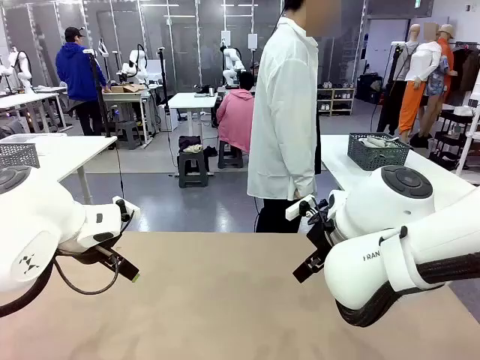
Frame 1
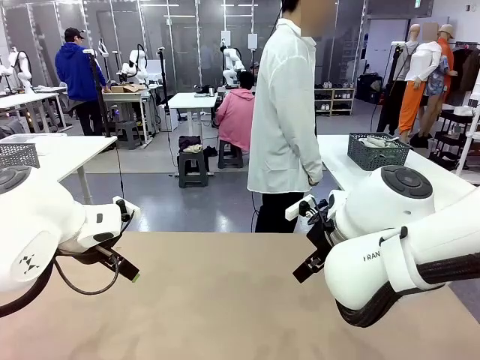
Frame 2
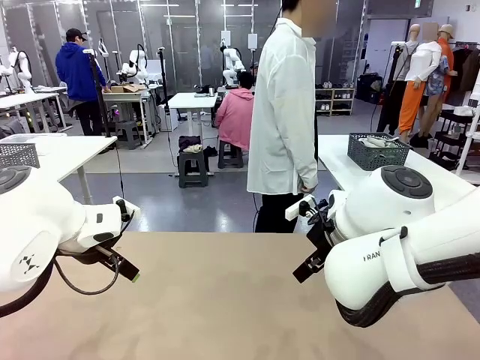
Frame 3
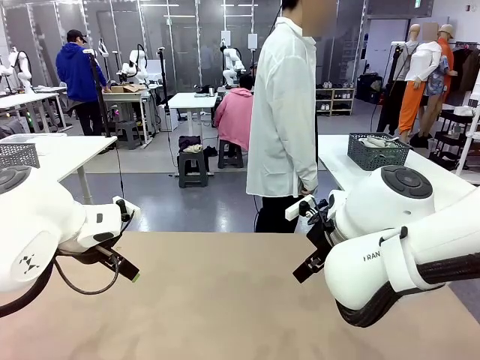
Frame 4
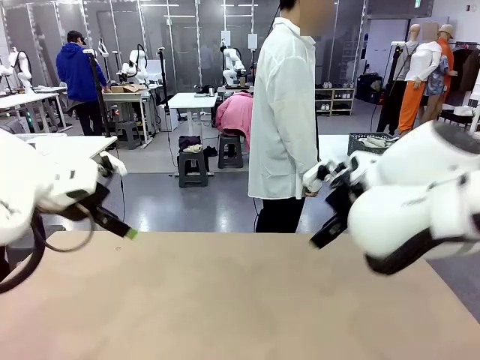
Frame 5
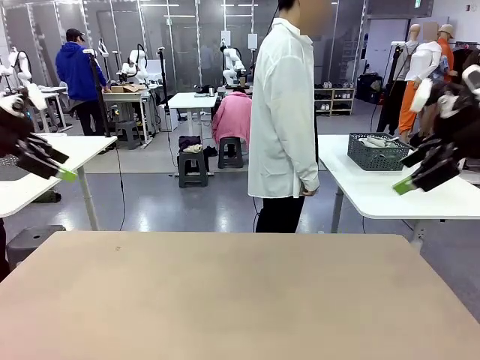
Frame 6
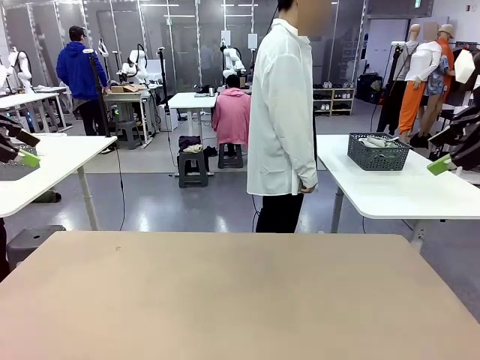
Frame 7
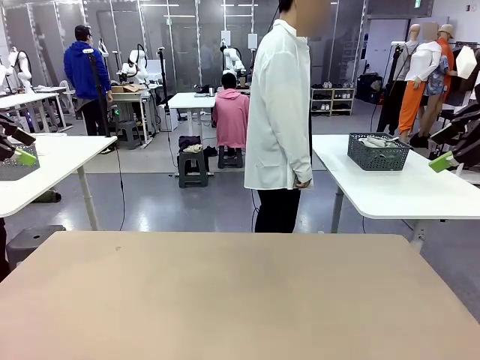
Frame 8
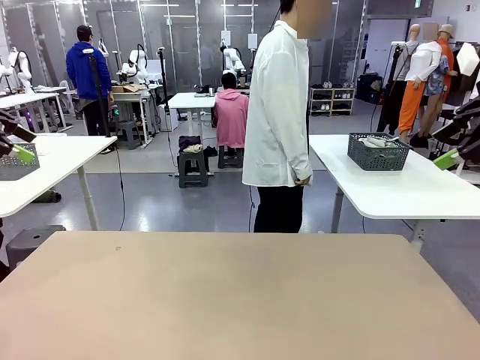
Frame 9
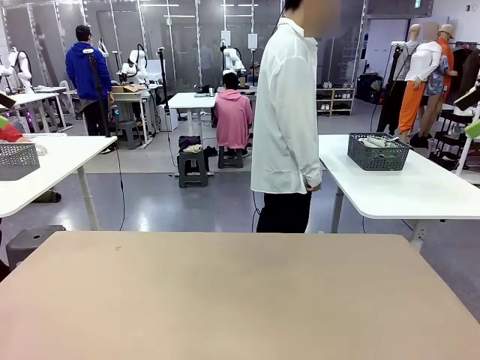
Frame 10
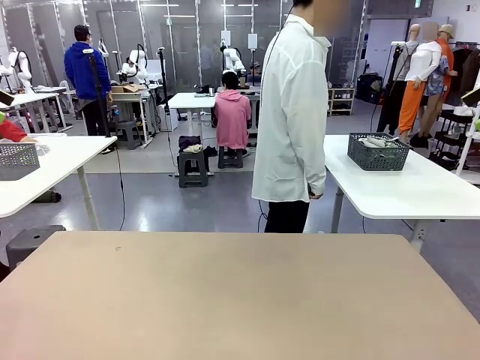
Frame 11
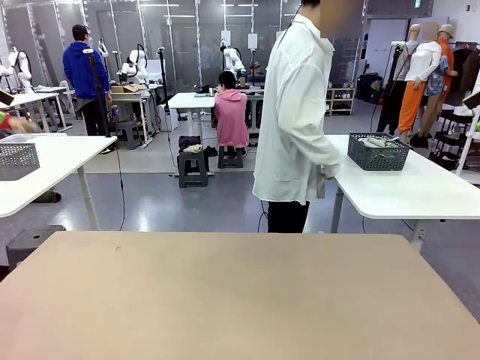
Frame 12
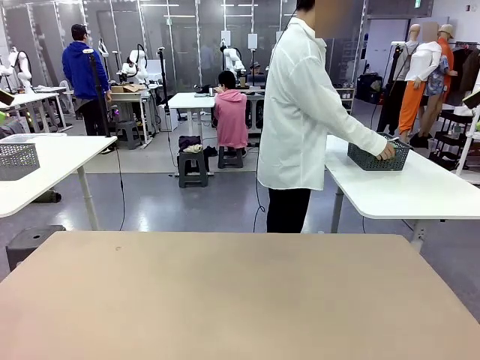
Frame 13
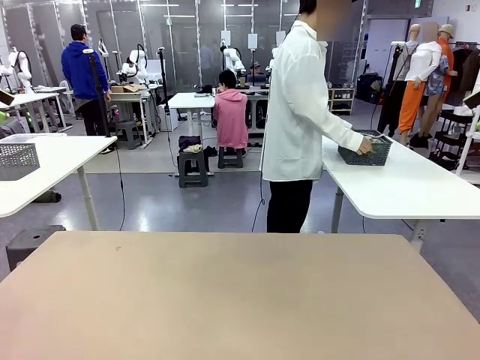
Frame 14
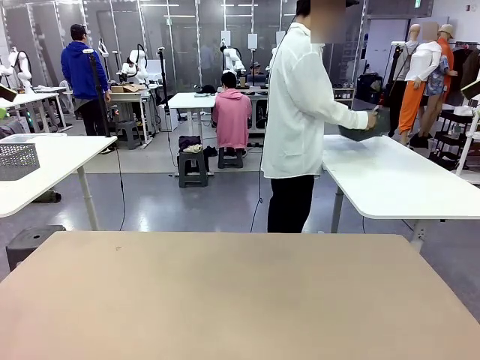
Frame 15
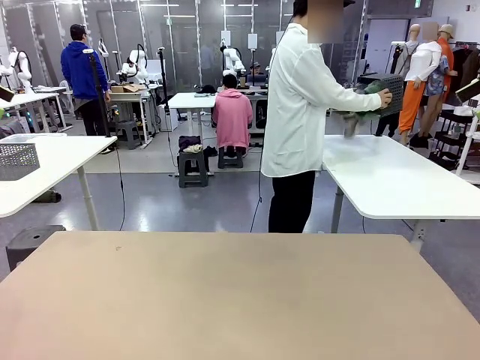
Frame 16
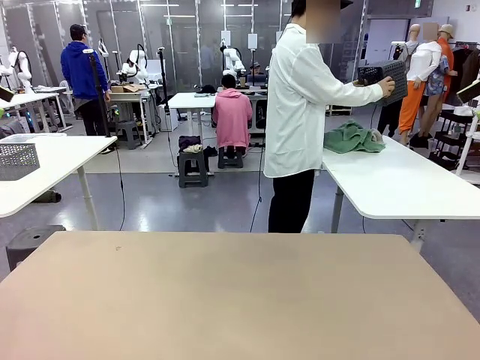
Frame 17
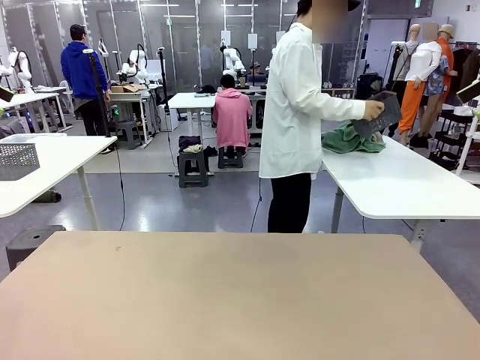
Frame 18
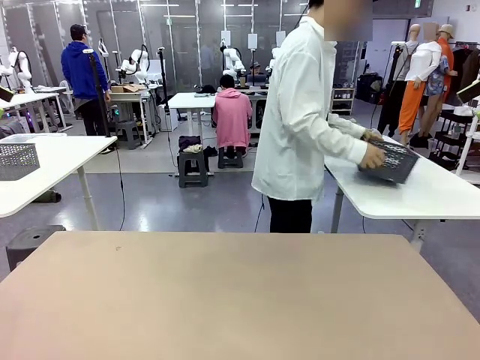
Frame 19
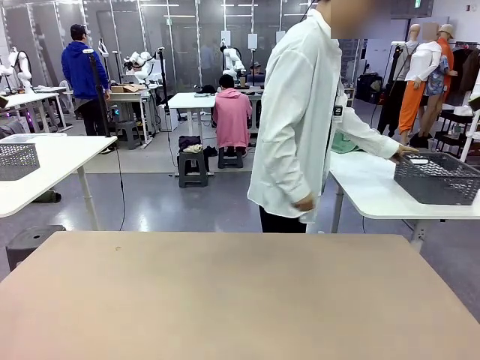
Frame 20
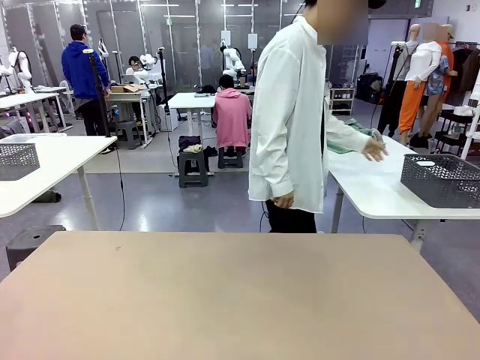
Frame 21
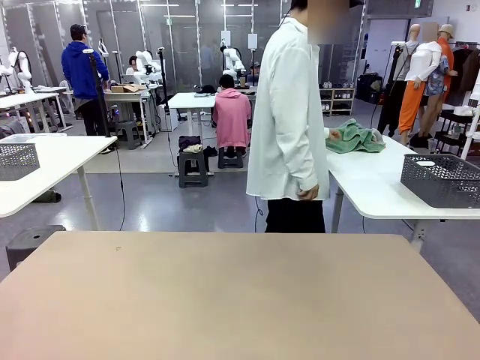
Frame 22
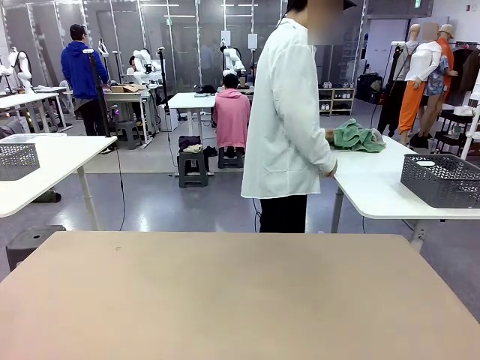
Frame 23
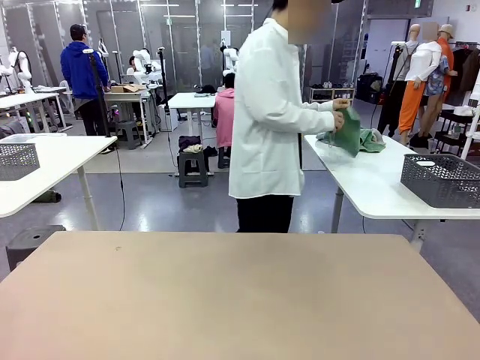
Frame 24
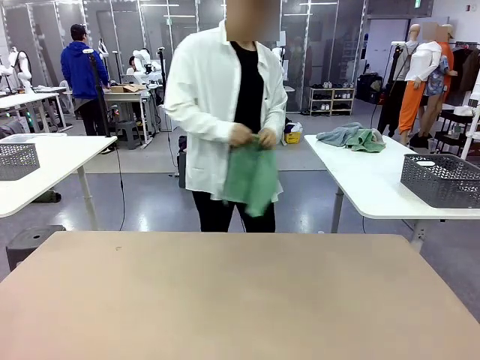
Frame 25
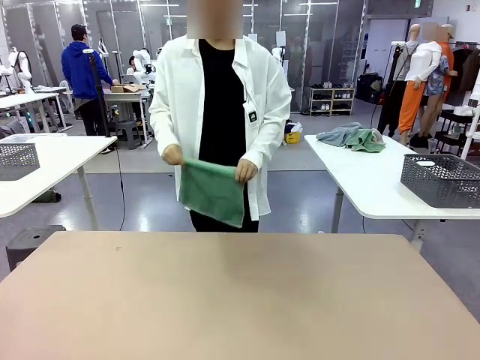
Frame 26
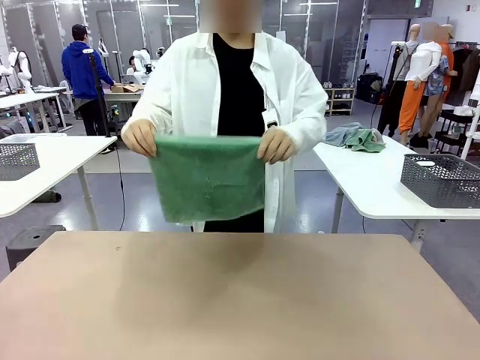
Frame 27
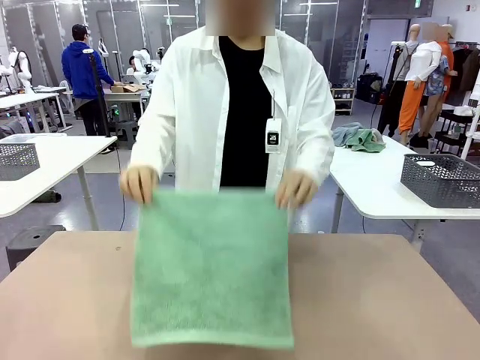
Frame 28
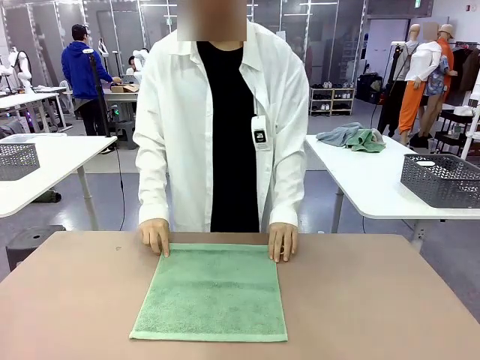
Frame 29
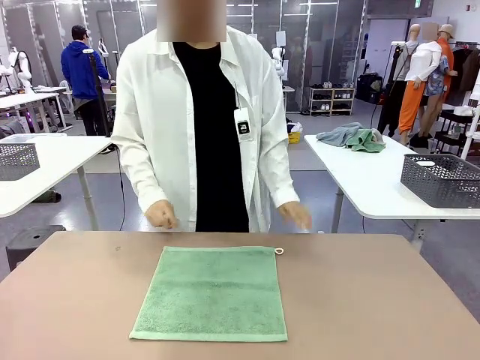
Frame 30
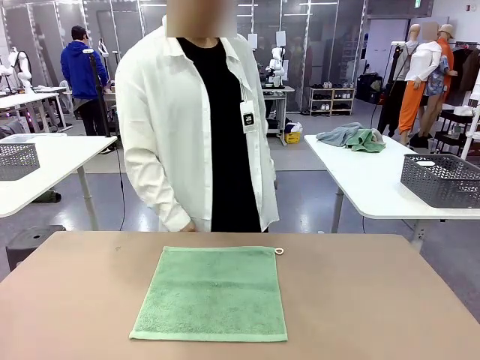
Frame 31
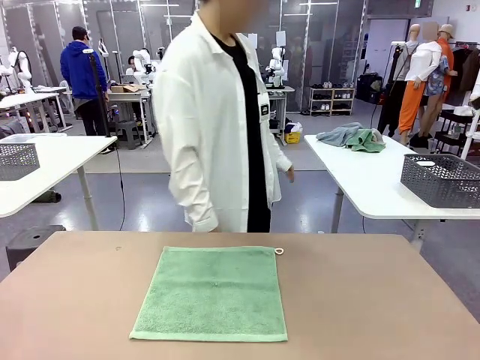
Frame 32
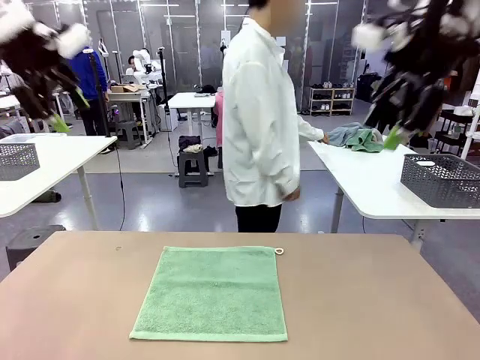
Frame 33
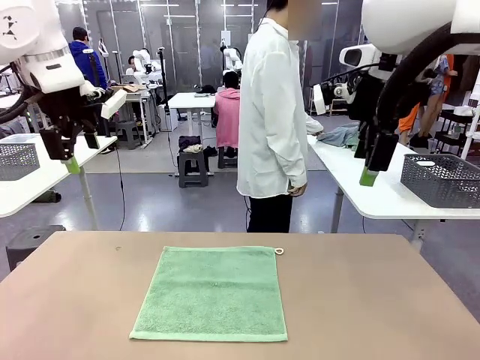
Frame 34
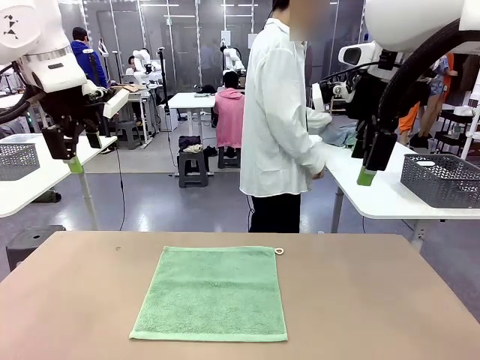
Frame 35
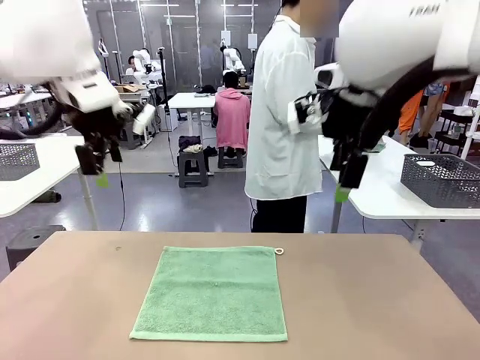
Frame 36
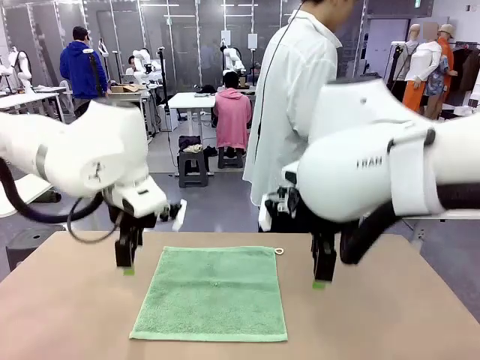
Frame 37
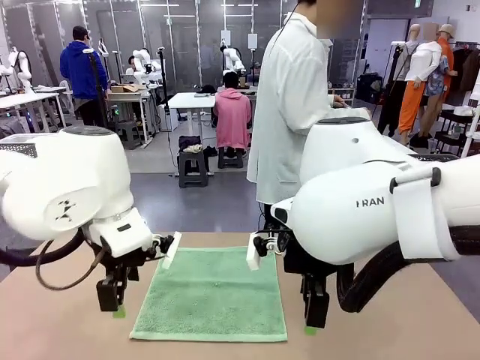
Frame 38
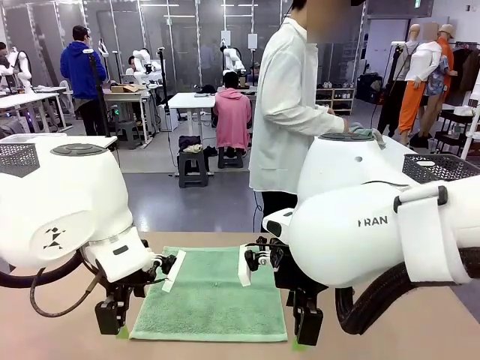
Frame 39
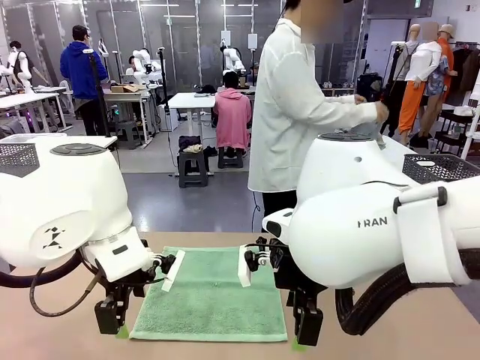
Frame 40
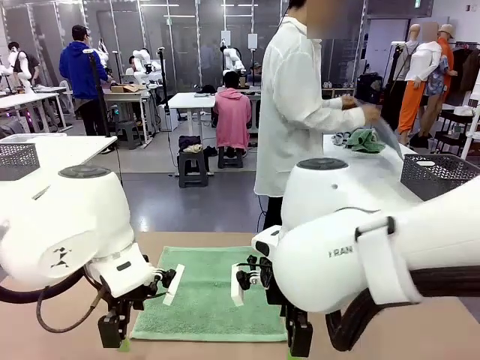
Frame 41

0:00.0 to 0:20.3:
Task: Fold the towels and place them in the basket.
Robot: When a person lays out a Towel with hook on the table, fold it in half twice.
Person: Pick up the basket, pour the towels onto the left side of the human table, and place the basket on the right side. Pick up one towel and spread it out at the center of the robot table.
